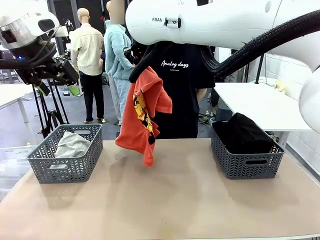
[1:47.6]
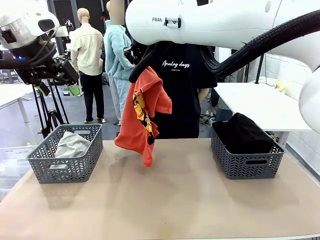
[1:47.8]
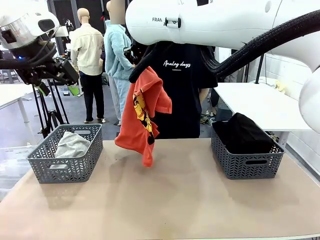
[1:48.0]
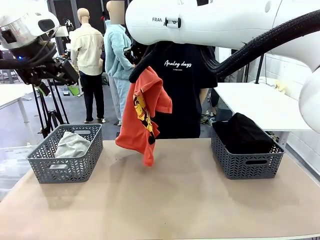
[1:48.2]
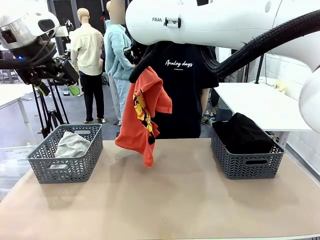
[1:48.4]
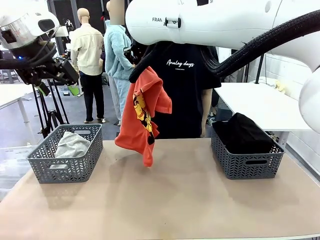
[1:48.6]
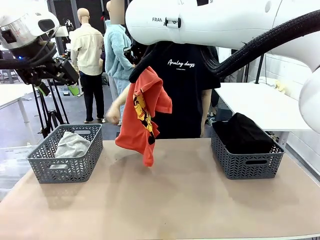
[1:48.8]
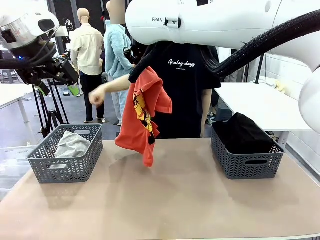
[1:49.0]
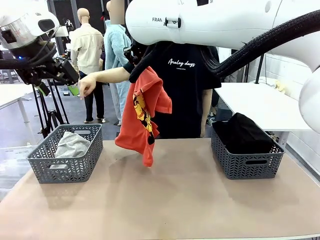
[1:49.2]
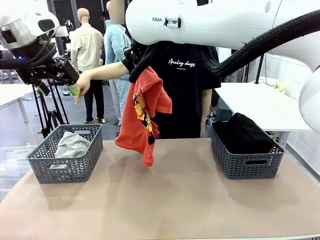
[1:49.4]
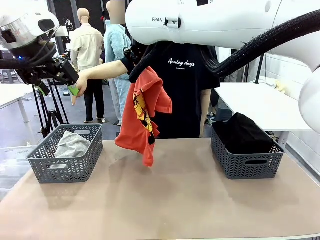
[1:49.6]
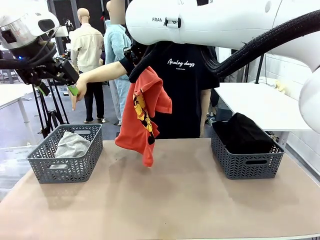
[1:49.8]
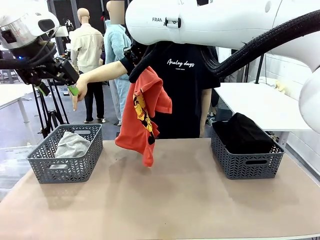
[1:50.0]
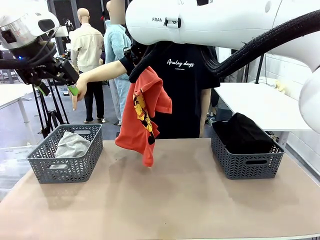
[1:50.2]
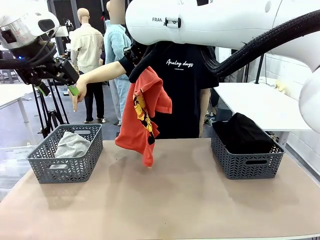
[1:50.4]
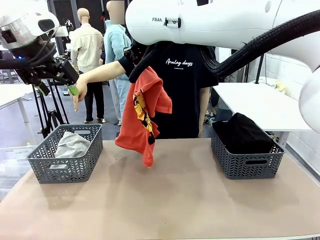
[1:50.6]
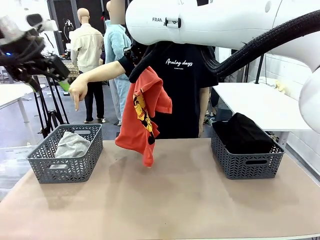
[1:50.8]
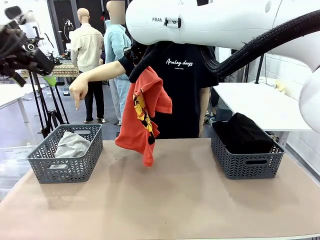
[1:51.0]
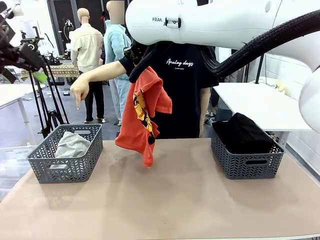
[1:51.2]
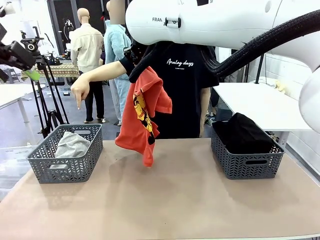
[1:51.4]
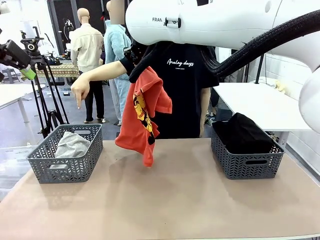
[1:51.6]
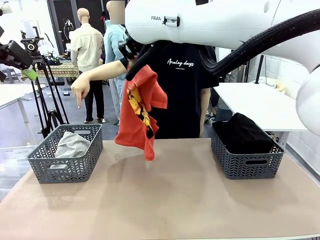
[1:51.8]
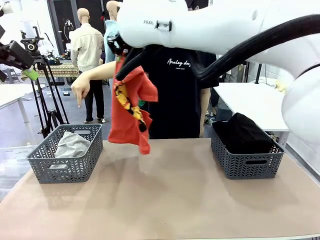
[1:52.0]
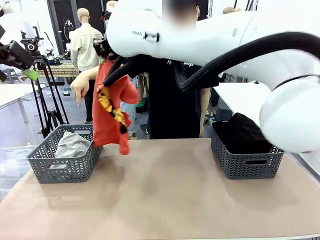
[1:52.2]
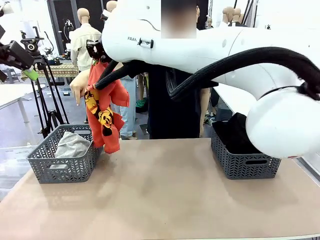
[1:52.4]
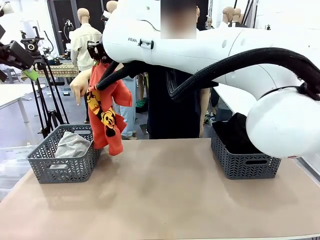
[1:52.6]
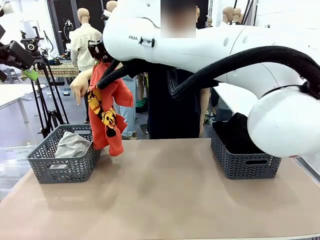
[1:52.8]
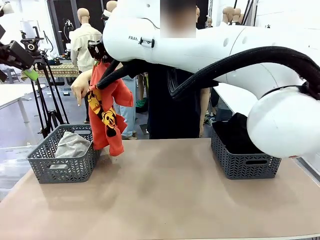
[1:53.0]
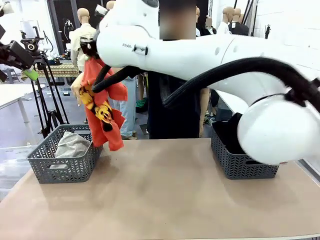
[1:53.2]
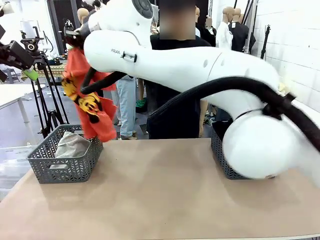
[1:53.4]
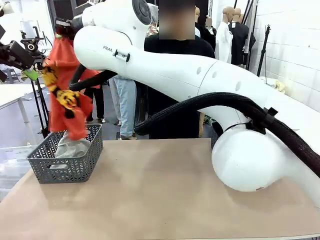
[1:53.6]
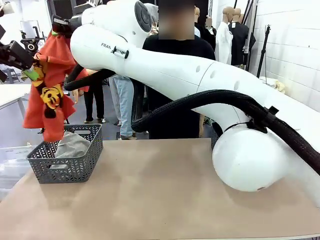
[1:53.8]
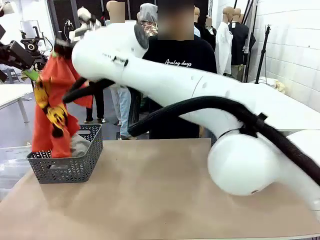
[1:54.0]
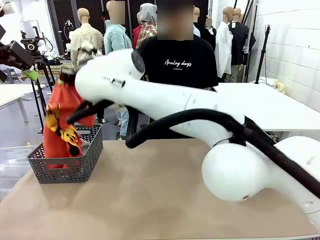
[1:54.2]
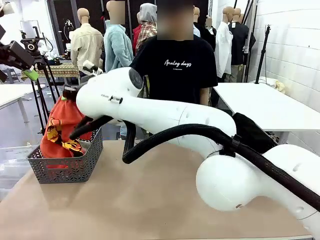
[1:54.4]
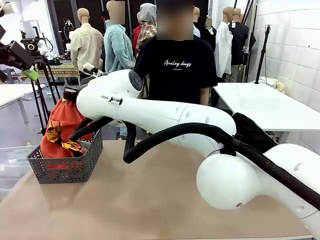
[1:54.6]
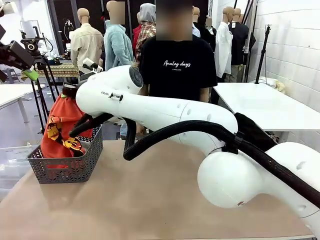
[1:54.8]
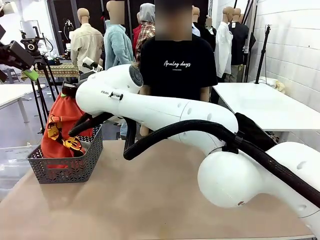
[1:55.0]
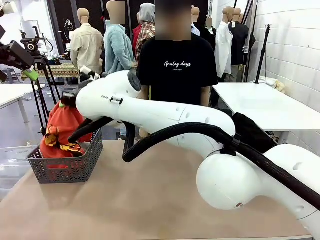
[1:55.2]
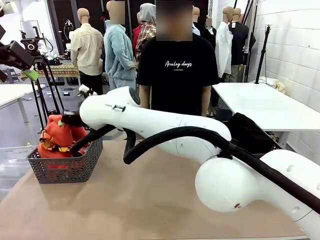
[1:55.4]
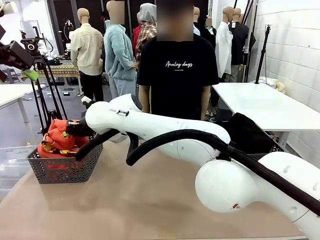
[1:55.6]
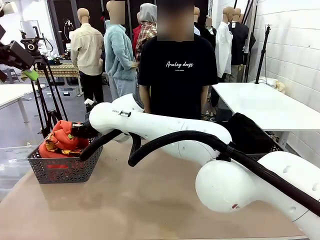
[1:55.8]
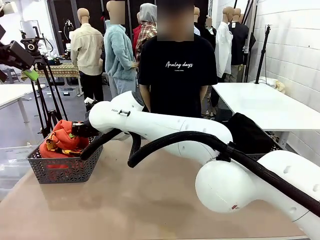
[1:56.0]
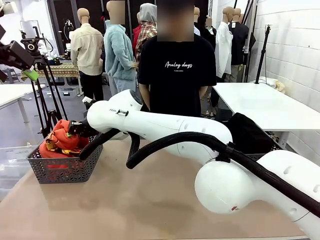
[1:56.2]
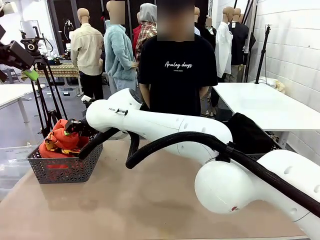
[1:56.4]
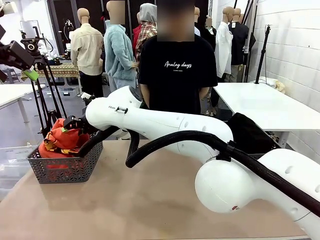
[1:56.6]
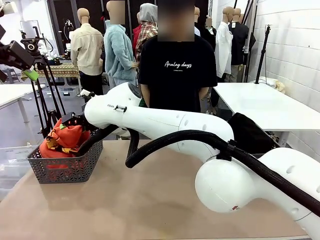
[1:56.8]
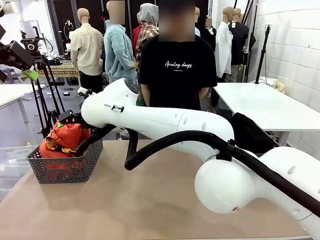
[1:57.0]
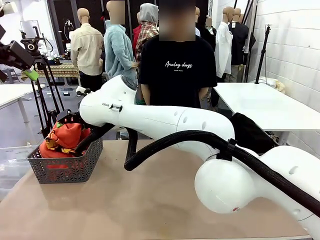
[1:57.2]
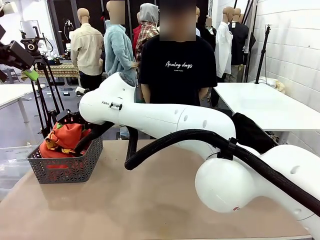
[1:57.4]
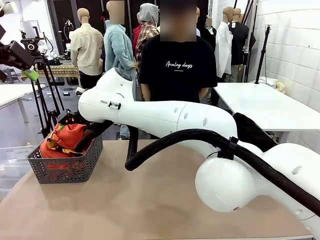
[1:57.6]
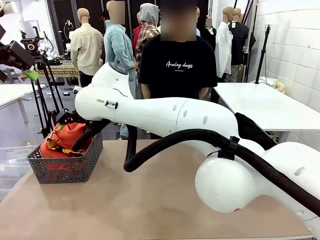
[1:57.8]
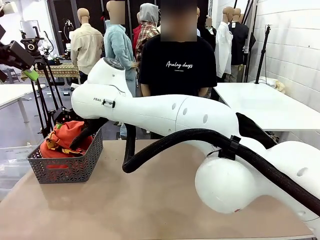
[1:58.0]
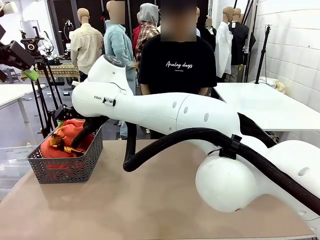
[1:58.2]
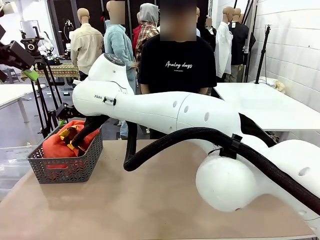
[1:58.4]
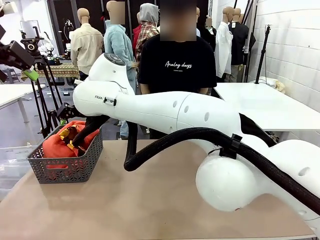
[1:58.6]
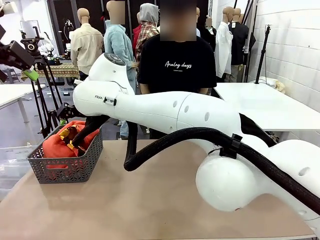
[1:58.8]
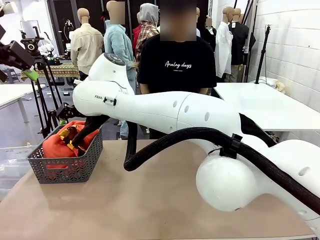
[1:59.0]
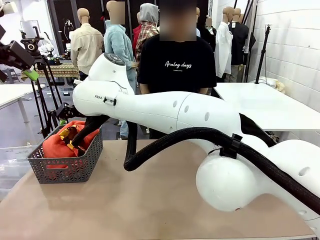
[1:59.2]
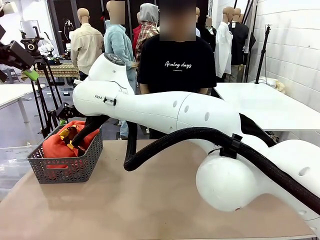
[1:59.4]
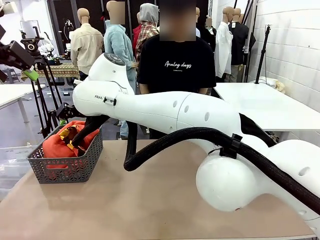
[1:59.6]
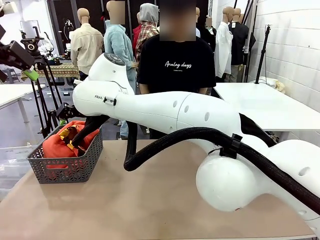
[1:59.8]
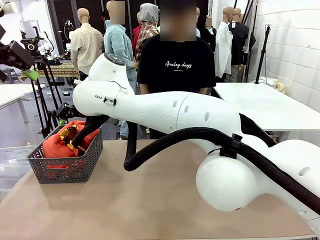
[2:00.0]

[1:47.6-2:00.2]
Task: Sort the tops and bottoms.
Robot: Sort the clothes according to human instructions.

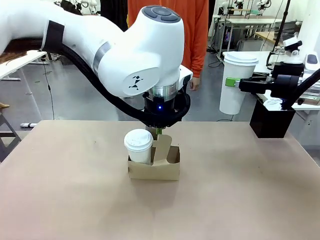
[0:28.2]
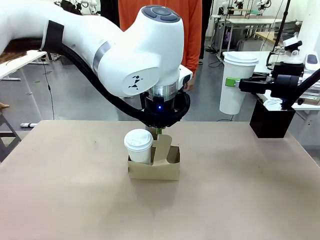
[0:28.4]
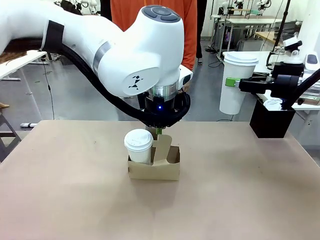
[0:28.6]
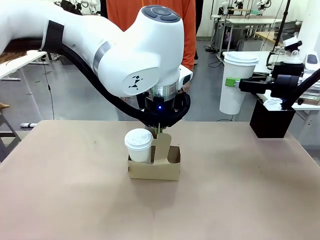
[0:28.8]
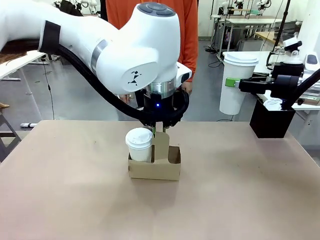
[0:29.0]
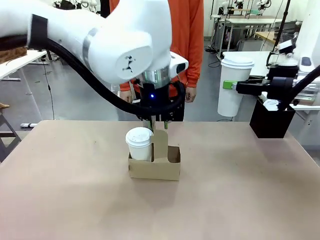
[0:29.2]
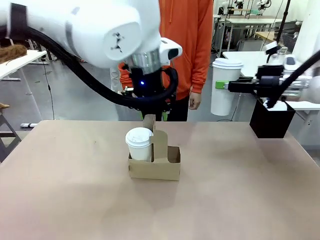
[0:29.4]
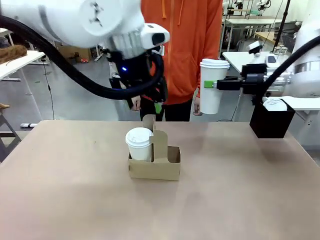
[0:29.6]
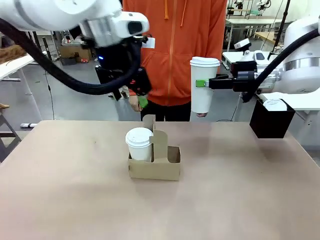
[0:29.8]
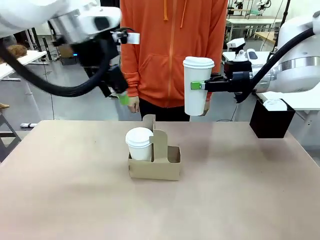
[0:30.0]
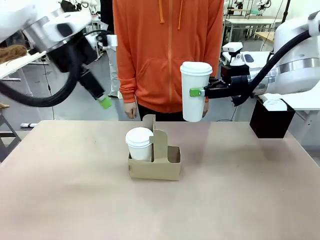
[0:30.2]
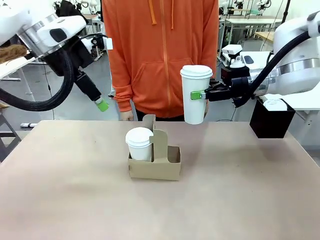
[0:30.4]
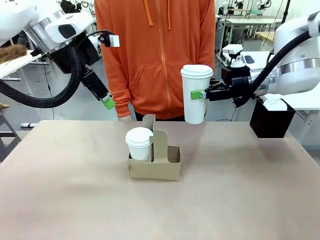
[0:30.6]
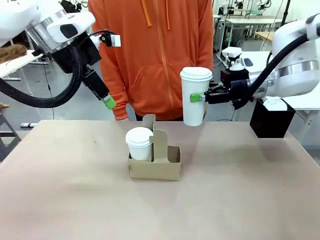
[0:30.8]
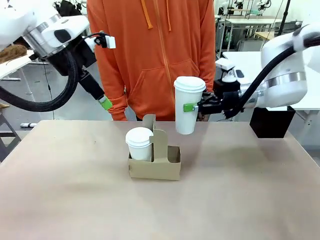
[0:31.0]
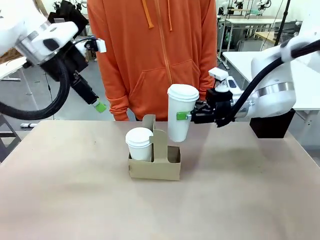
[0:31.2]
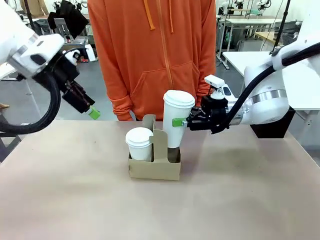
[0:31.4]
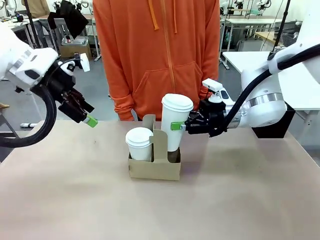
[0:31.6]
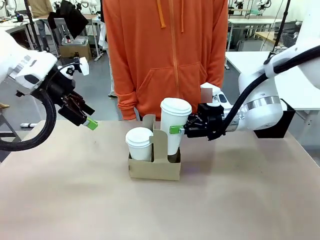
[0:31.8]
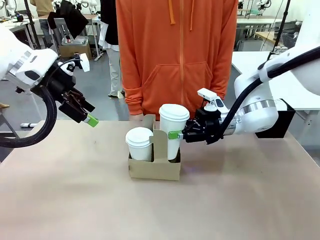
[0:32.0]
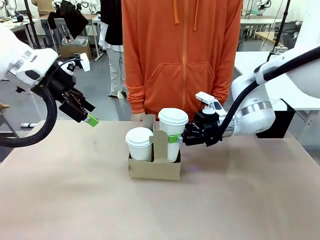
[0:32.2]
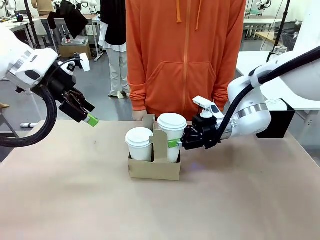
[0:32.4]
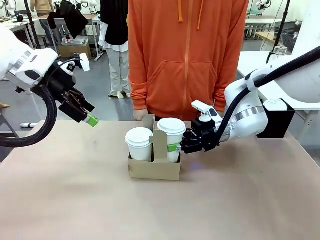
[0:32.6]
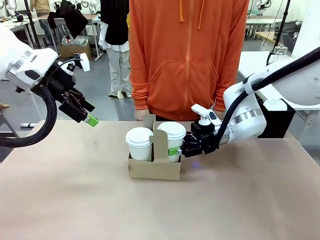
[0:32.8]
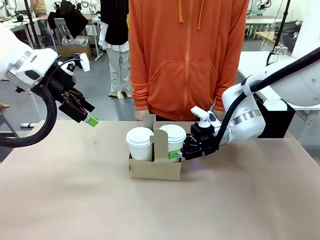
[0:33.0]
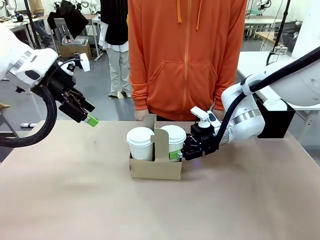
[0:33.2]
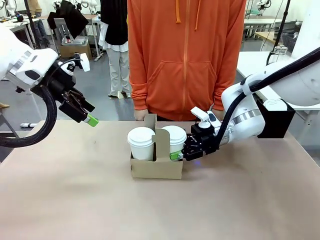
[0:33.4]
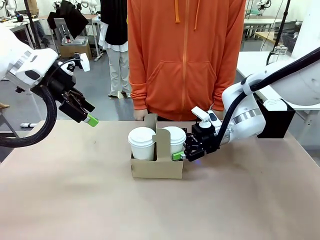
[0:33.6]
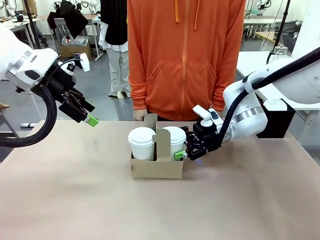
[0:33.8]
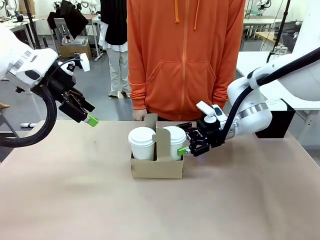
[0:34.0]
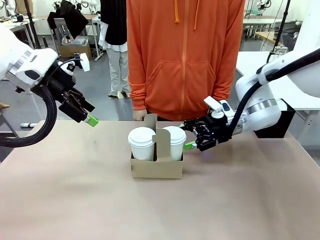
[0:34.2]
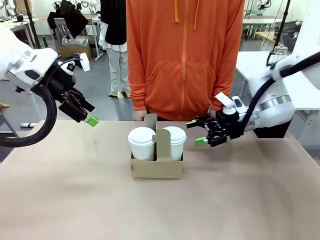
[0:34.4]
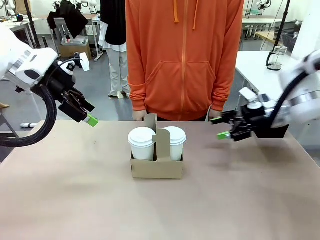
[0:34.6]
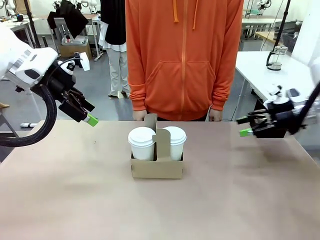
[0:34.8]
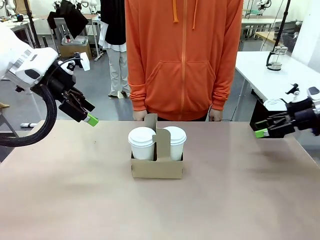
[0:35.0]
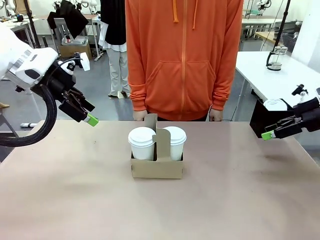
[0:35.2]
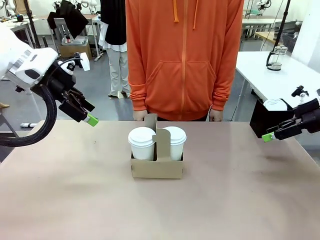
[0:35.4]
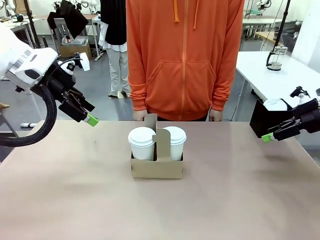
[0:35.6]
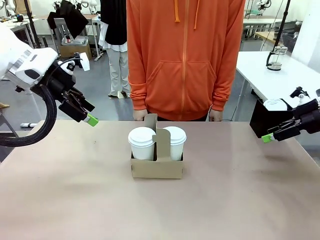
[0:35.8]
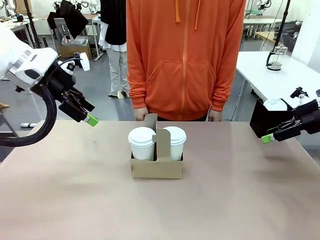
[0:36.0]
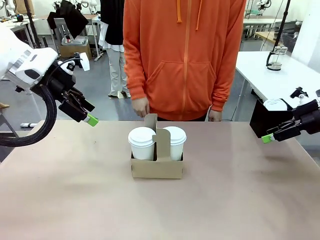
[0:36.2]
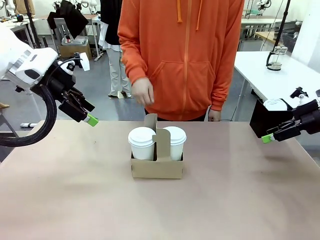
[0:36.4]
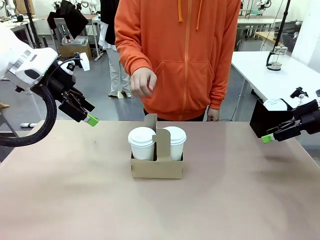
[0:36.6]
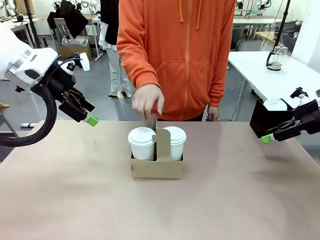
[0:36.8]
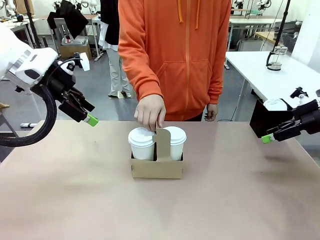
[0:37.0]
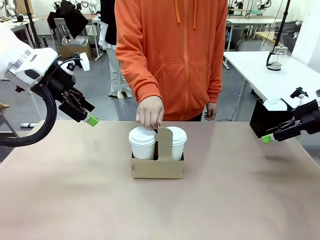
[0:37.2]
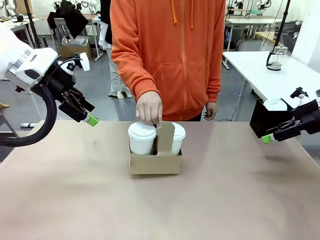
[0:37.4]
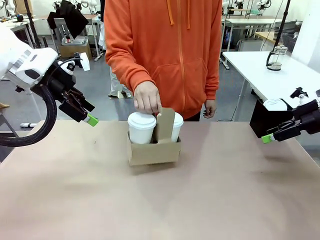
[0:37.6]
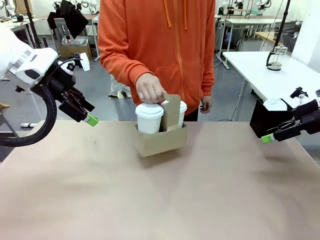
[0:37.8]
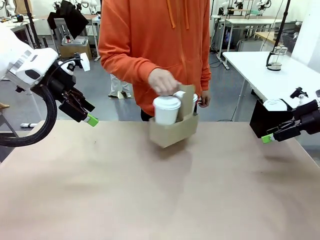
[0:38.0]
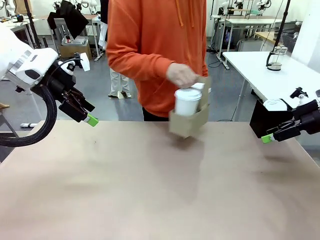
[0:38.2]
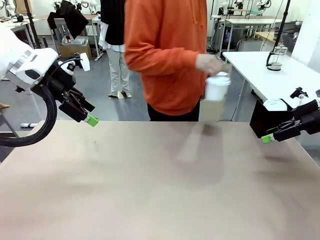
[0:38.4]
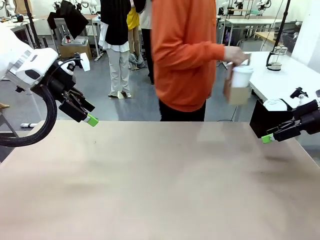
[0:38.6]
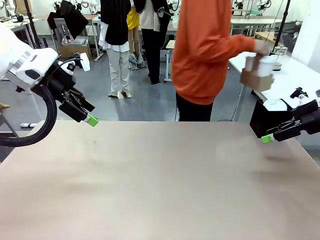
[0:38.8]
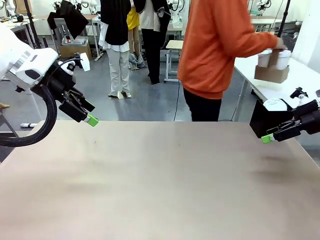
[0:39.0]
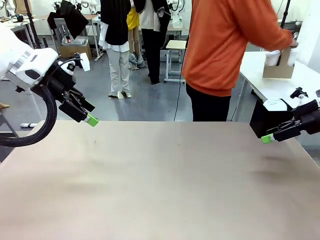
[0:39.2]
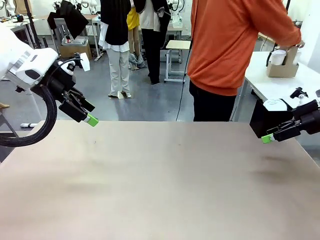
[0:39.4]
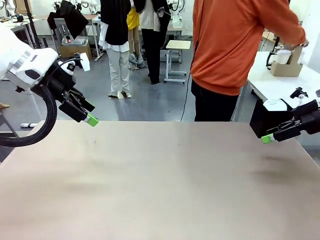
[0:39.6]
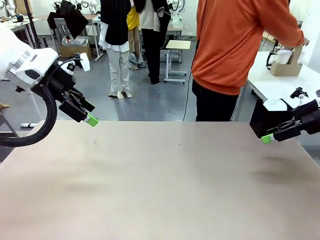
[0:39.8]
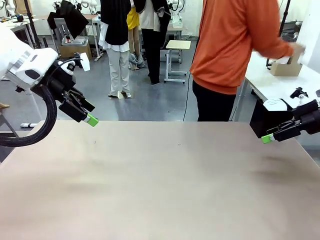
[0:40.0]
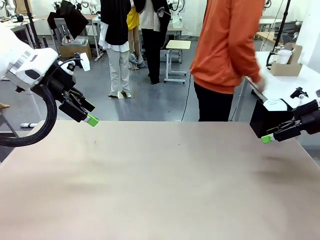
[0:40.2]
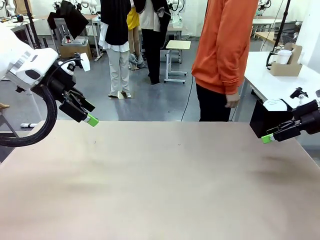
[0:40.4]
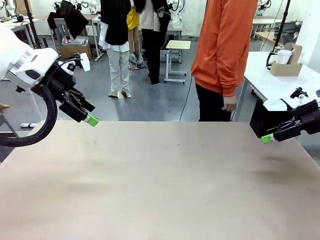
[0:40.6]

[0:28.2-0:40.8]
Task: Pour a drink into a cup and package it in a carrier.
Robot: Insert the held 600 ml Paper Cup into the Cup Carrier.
Person: Place the Cup Carrier to the middle of Human table.
